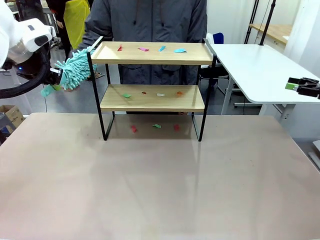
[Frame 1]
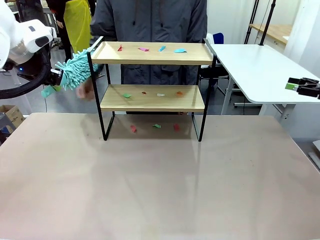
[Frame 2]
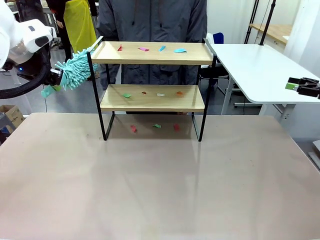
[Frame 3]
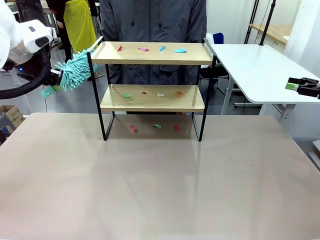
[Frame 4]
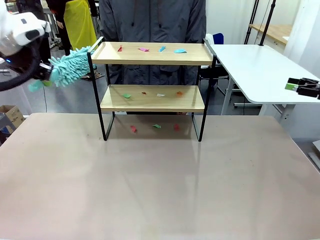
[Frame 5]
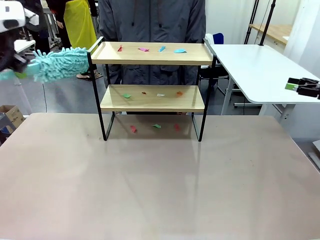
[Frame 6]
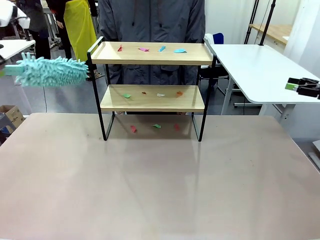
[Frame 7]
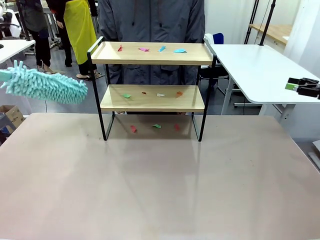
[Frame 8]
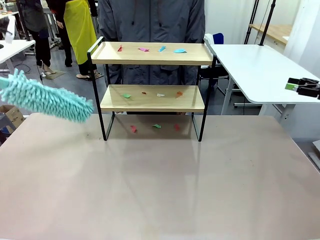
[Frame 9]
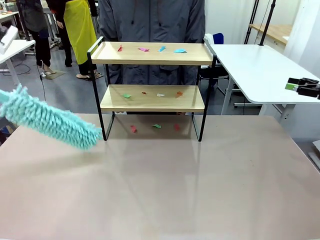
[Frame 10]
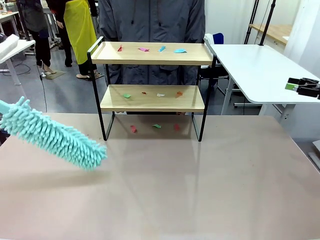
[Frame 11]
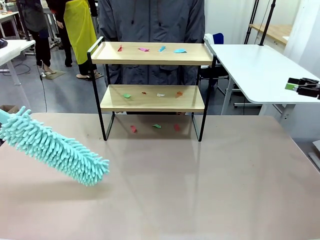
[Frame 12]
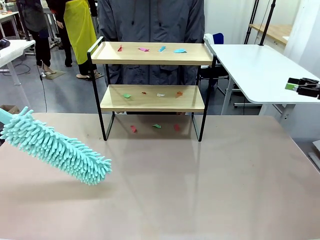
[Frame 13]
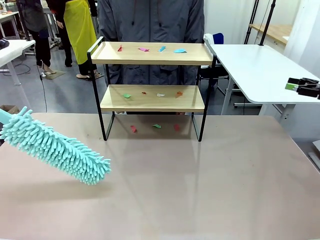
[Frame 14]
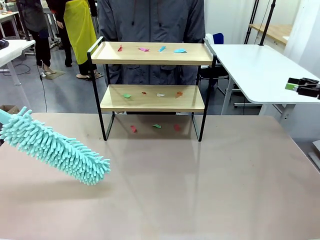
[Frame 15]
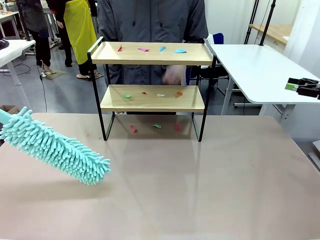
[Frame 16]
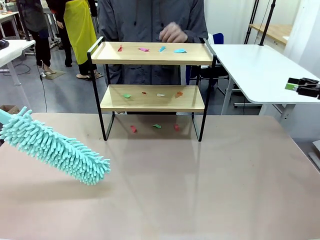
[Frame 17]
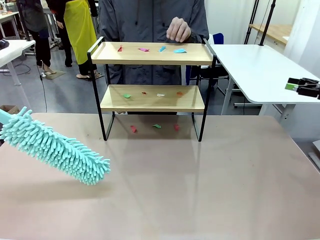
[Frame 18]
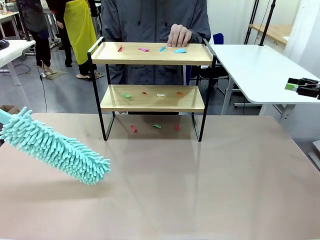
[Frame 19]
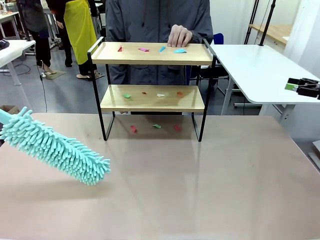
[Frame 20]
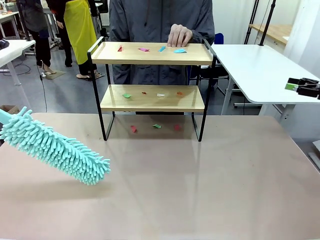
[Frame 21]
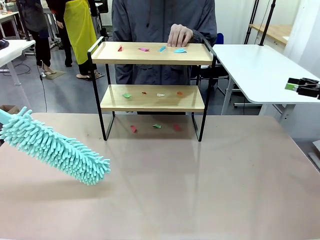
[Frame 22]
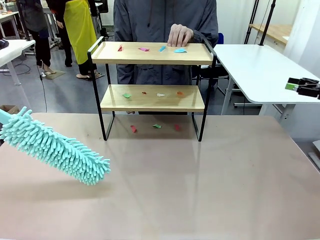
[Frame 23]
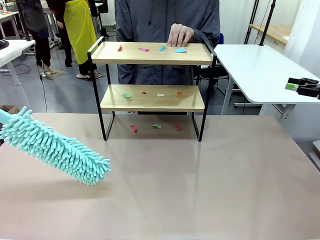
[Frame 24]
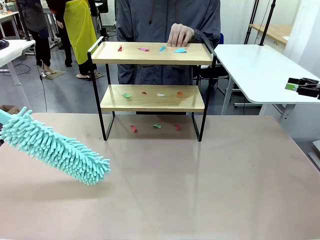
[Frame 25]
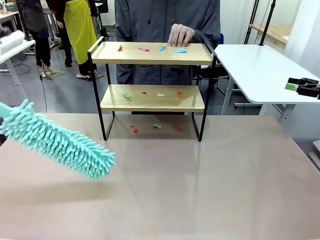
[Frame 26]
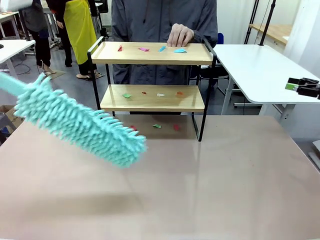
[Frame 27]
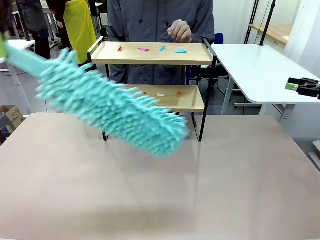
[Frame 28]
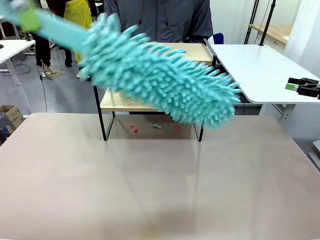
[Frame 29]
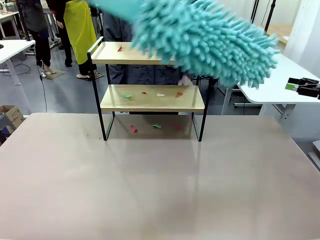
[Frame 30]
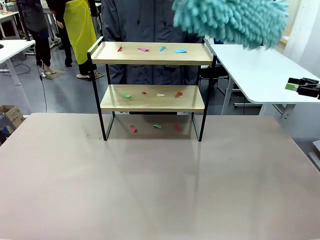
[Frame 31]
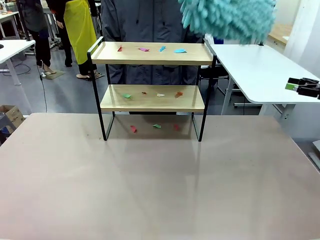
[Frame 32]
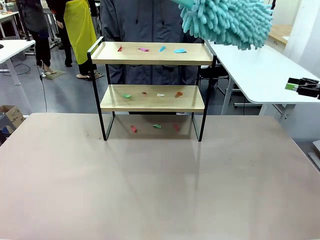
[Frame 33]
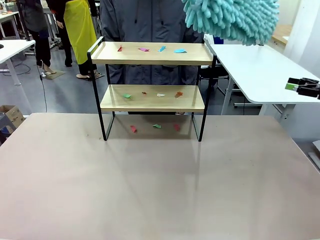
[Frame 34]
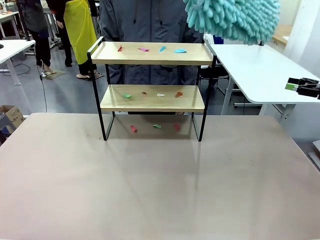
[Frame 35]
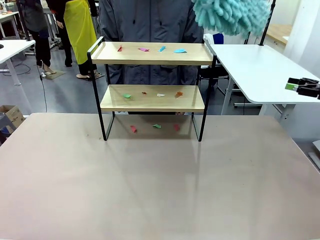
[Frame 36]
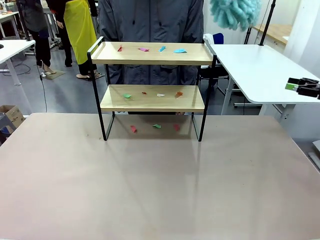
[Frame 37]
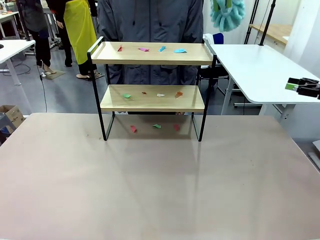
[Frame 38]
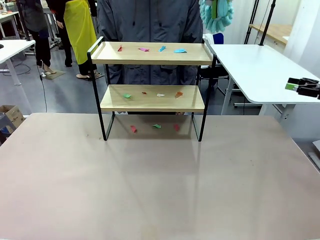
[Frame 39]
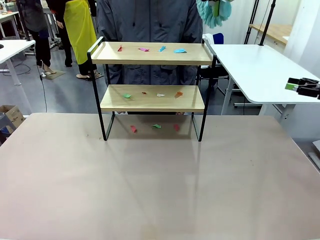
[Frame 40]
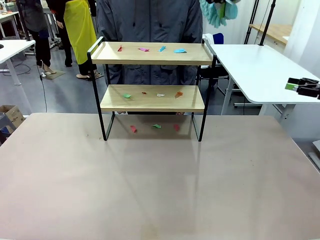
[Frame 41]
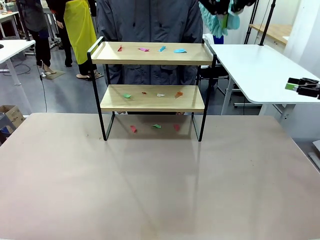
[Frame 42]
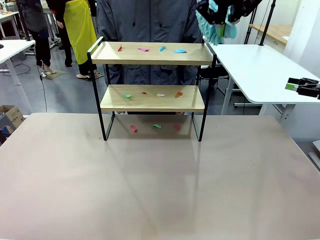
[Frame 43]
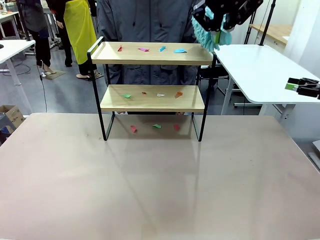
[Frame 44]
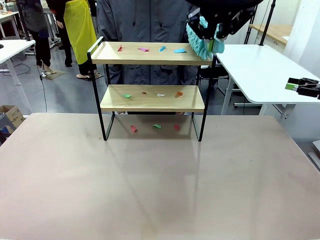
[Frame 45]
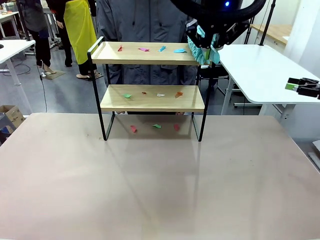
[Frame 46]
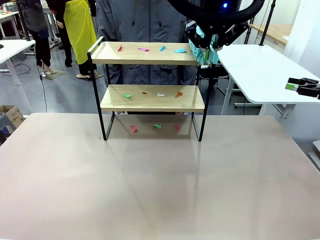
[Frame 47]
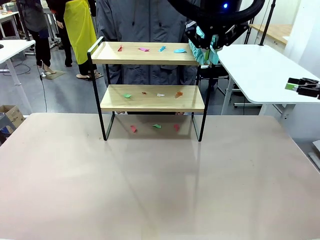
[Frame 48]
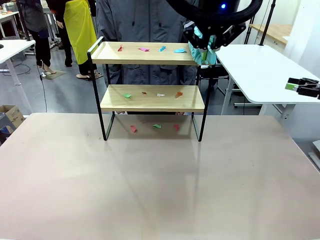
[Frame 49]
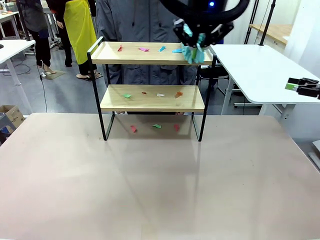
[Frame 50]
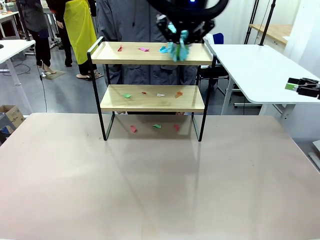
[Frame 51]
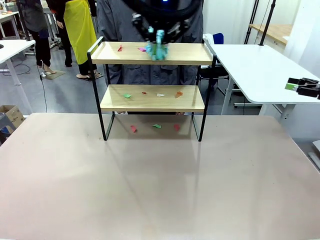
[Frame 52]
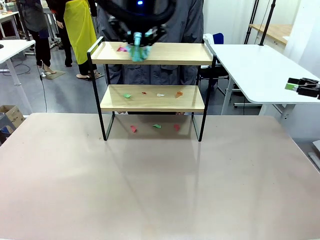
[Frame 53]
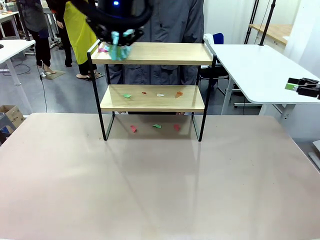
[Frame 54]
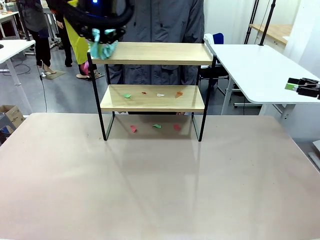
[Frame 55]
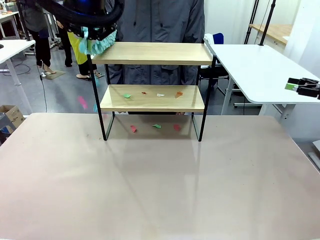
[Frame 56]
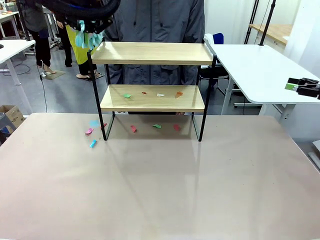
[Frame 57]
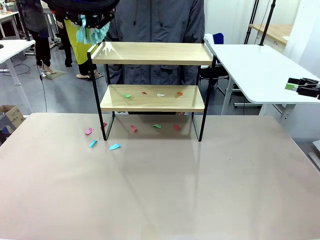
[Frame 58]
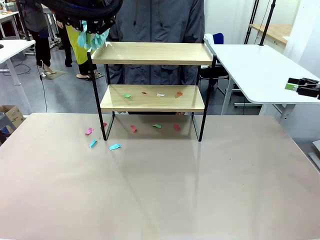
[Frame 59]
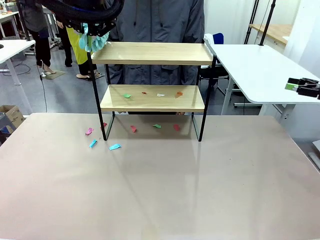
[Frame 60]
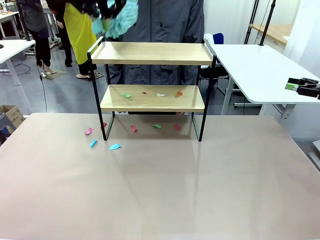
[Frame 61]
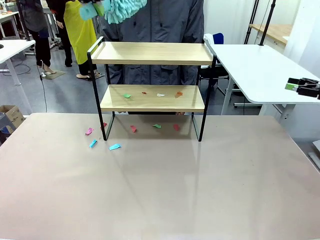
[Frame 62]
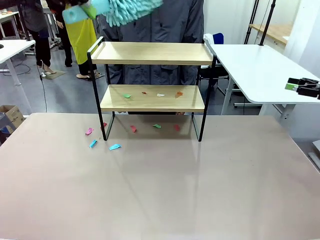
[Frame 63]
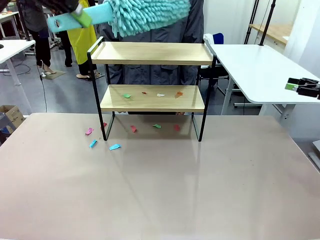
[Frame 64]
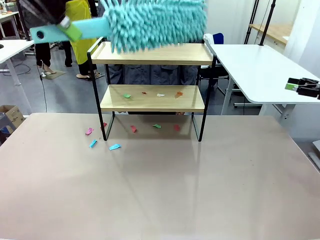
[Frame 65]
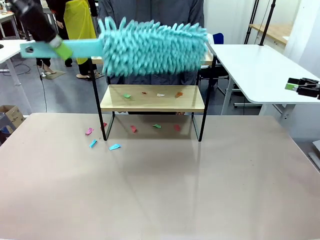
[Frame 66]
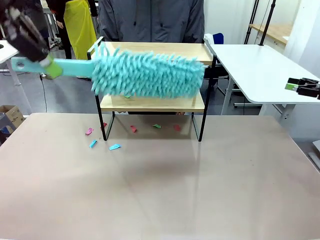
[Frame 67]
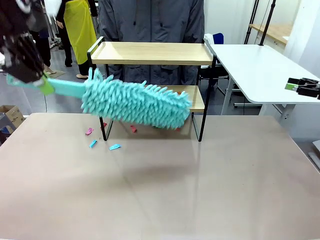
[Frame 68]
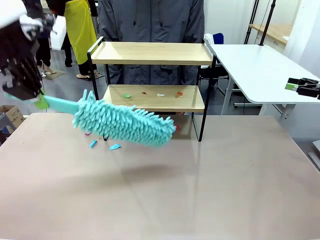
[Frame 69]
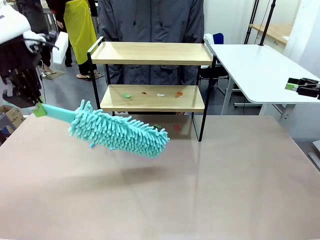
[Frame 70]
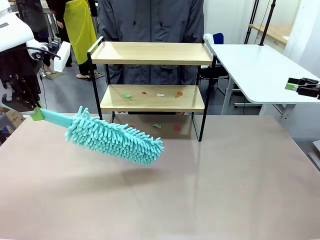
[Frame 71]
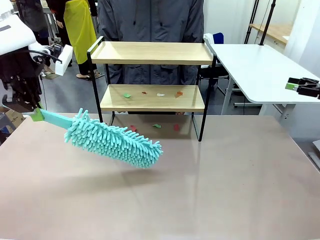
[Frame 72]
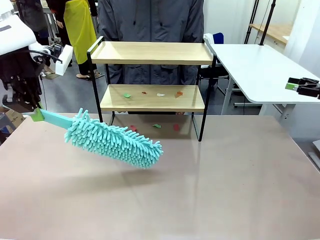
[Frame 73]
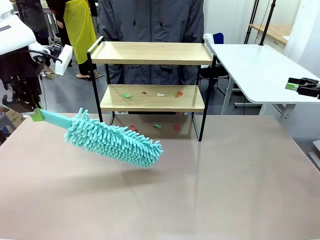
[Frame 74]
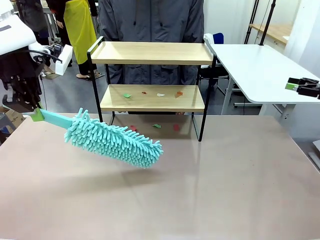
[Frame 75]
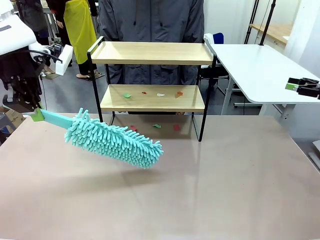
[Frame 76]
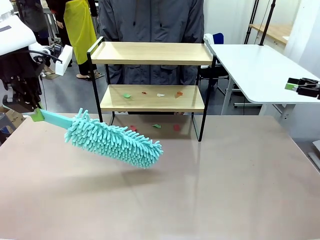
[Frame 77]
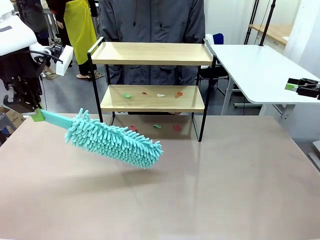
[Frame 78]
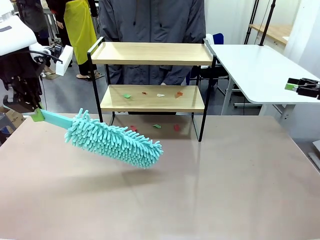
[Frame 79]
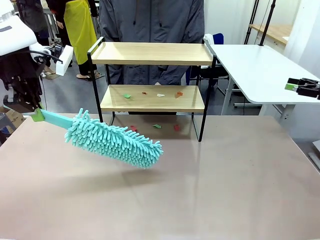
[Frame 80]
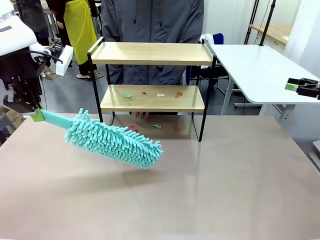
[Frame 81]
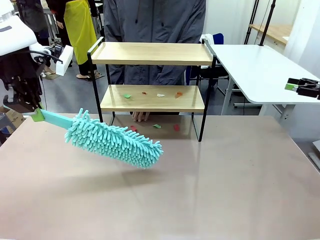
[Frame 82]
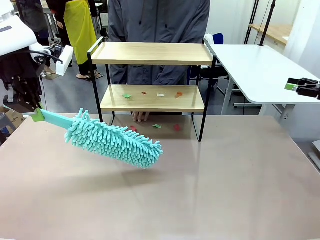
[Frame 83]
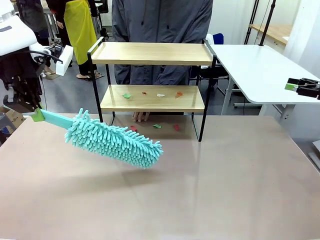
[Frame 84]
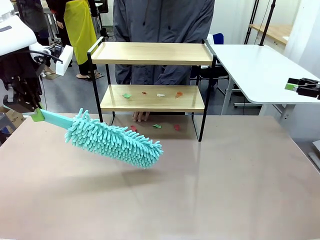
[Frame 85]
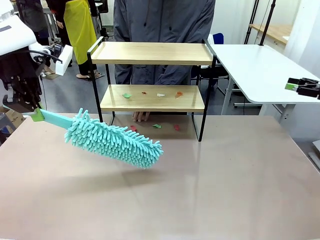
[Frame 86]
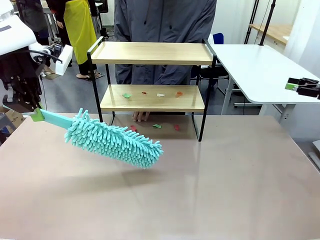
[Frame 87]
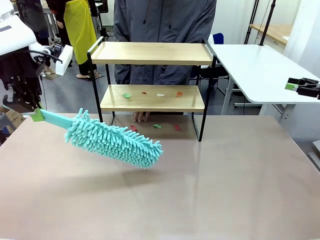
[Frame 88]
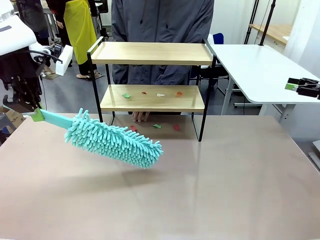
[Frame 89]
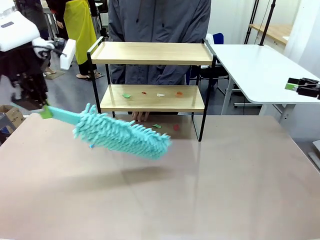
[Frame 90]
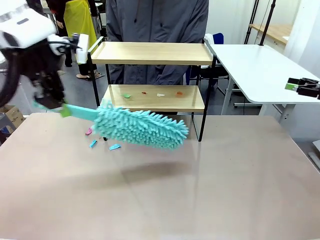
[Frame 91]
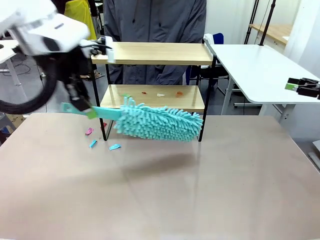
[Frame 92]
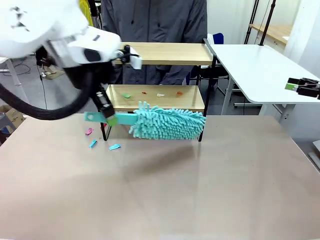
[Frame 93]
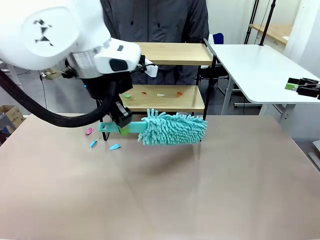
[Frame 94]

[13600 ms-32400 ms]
Task: Clean the shelf.
Robot: Clean the specific section of the Shelf indicated by the human with the Duster.
Person: Point a random section of the Shelf.

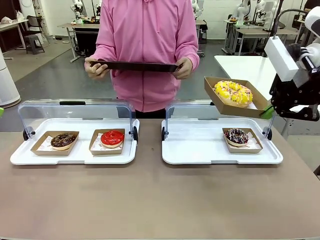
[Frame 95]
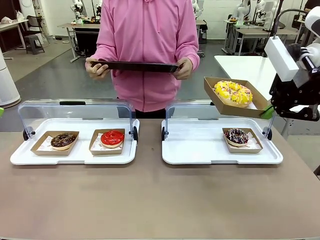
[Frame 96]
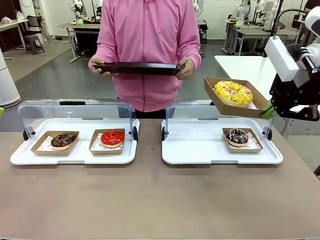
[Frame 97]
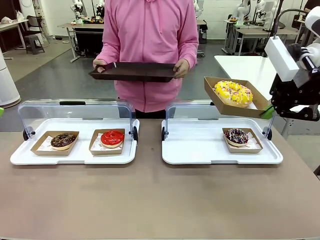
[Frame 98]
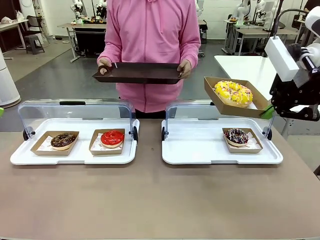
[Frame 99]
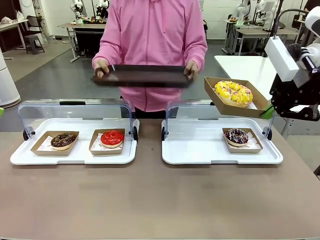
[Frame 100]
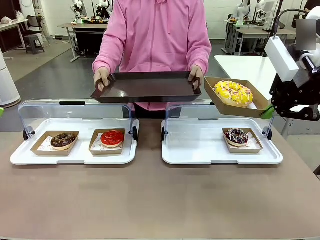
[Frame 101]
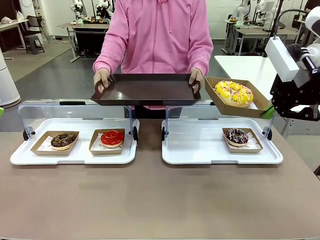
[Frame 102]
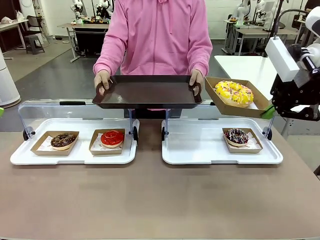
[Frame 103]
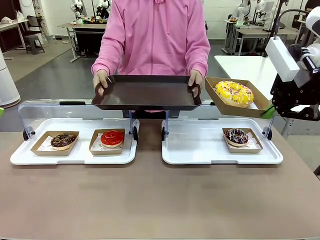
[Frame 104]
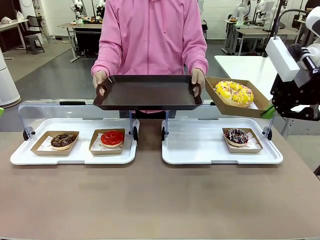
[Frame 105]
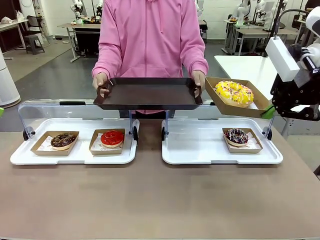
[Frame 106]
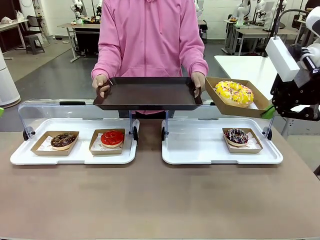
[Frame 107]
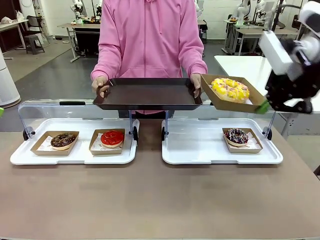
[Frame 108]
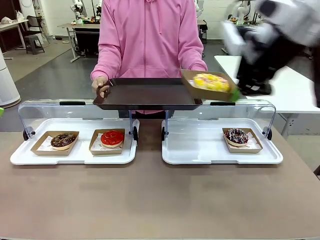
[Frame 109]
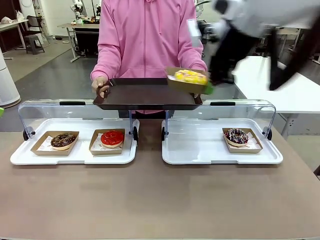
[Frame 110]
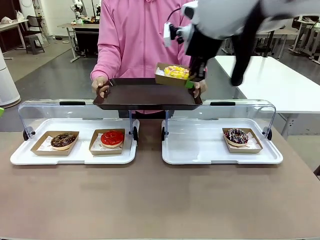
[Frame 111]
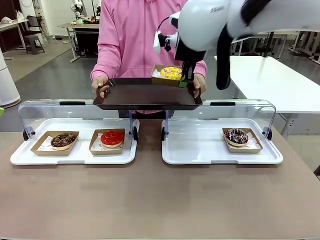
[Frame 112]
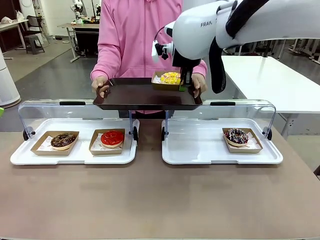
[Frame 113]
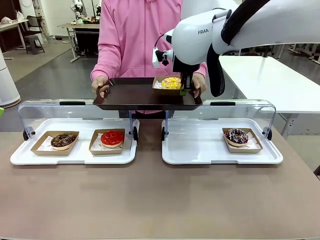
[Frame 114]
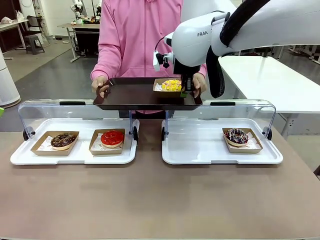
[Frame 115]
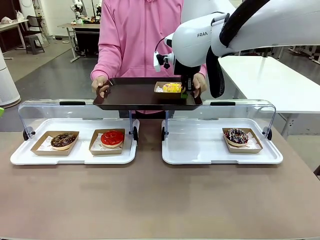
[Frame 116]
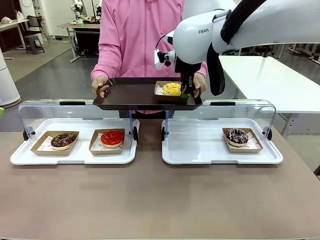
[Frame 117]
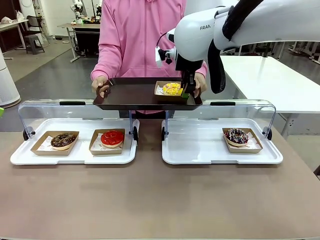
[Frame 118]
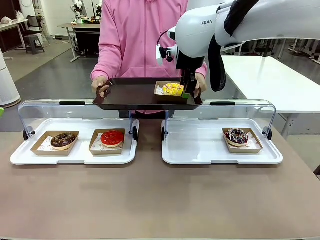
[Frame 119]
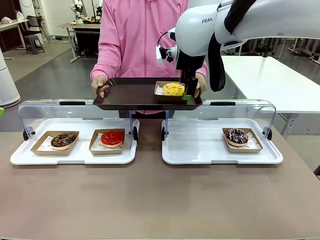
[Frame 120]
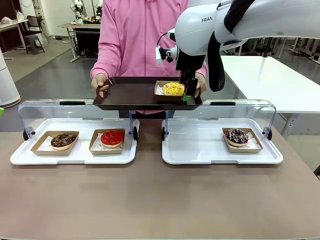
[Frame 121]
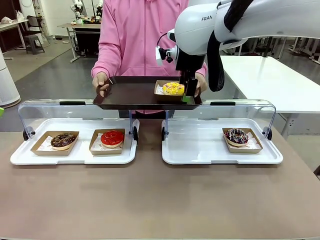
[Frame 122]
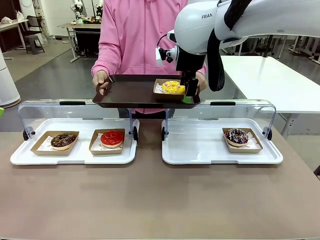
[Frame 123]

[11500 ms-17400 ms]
Task: Provide the desired donut to the person.
Robot: Place the picked Paper togo box onto the Handle tray extended by the person.
